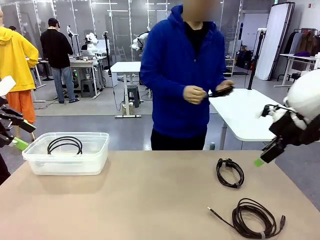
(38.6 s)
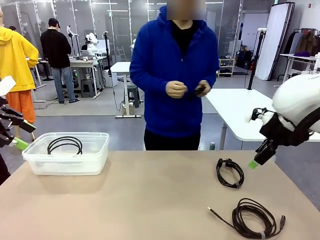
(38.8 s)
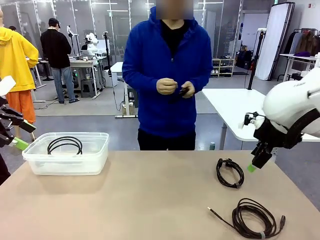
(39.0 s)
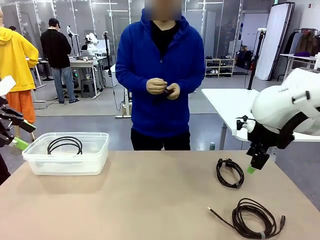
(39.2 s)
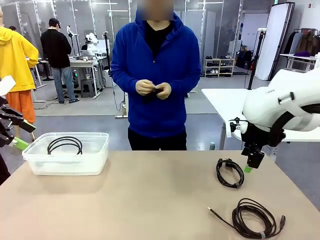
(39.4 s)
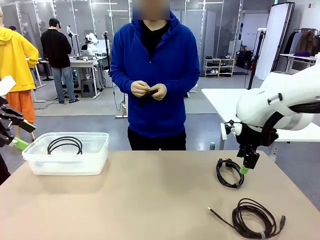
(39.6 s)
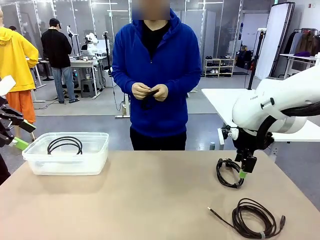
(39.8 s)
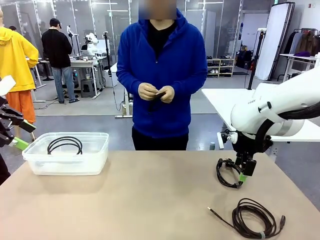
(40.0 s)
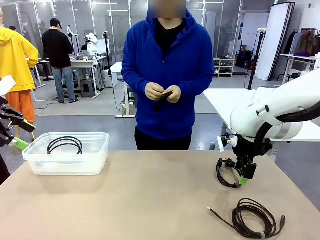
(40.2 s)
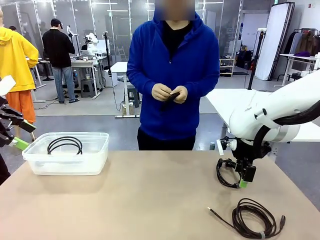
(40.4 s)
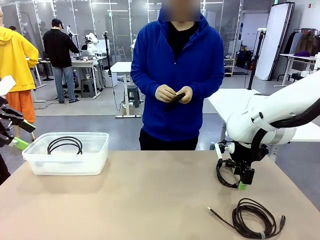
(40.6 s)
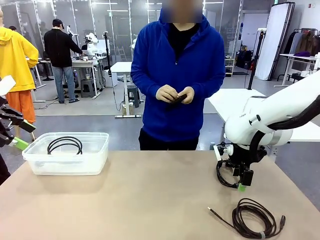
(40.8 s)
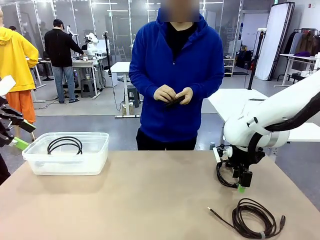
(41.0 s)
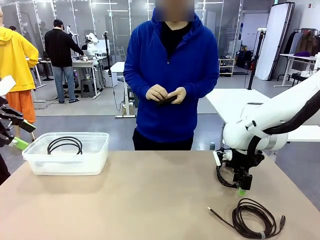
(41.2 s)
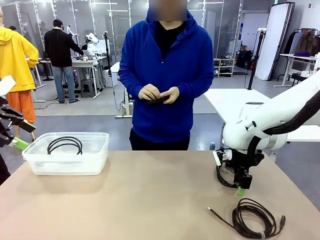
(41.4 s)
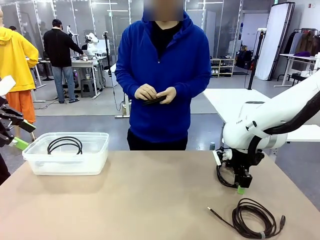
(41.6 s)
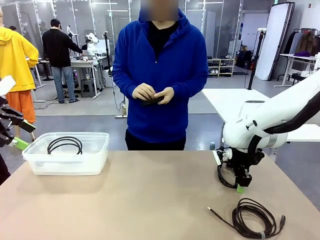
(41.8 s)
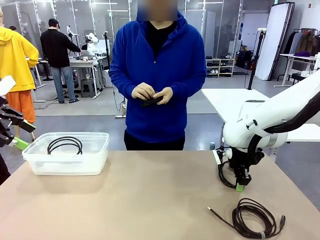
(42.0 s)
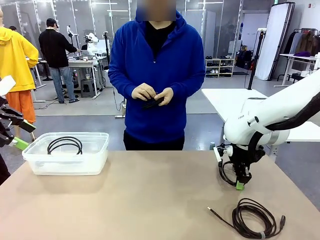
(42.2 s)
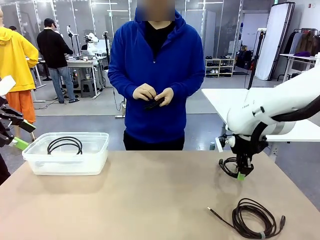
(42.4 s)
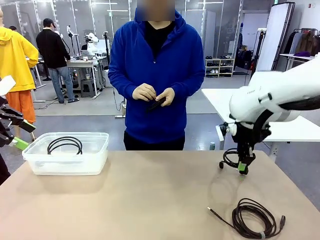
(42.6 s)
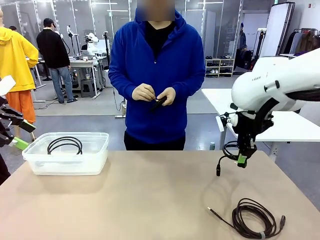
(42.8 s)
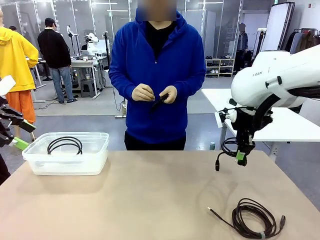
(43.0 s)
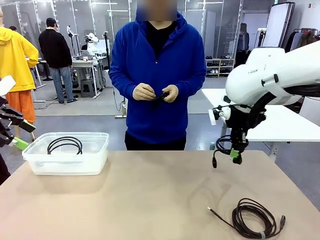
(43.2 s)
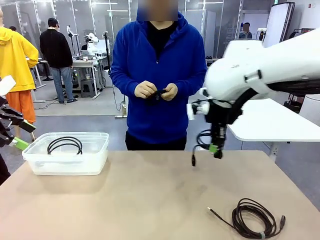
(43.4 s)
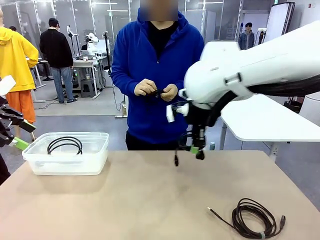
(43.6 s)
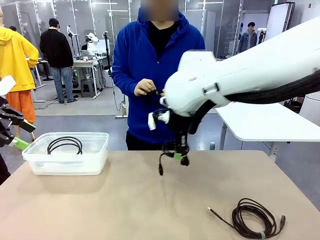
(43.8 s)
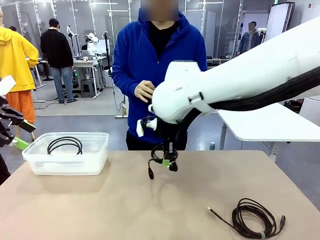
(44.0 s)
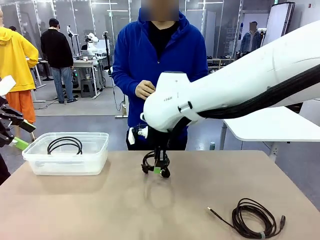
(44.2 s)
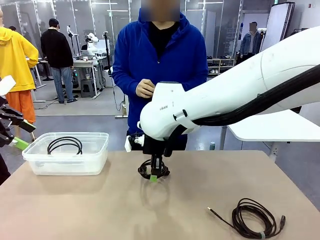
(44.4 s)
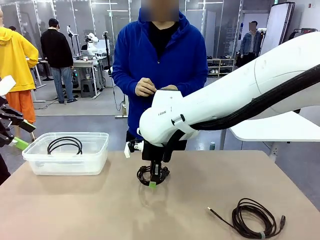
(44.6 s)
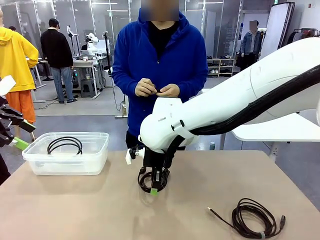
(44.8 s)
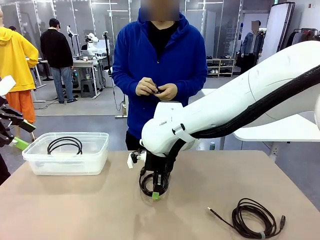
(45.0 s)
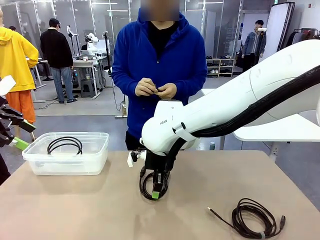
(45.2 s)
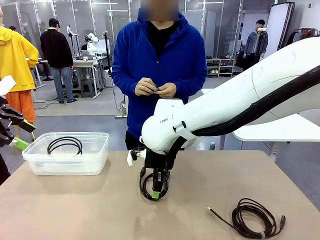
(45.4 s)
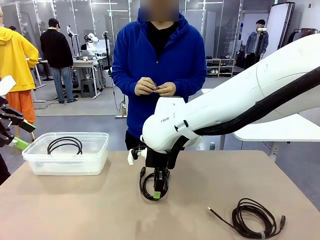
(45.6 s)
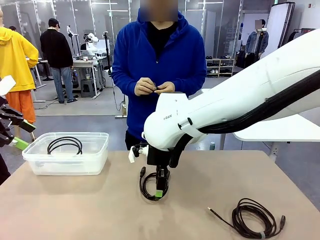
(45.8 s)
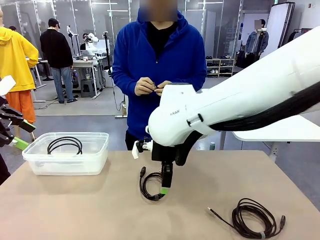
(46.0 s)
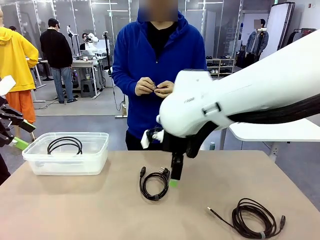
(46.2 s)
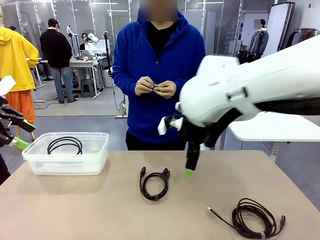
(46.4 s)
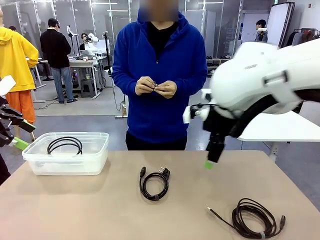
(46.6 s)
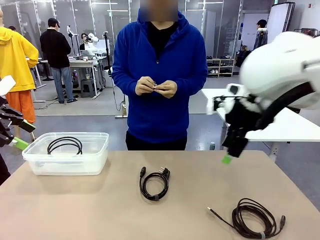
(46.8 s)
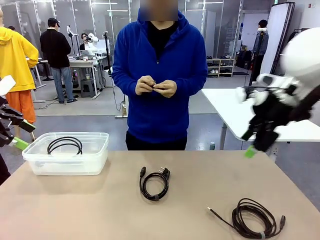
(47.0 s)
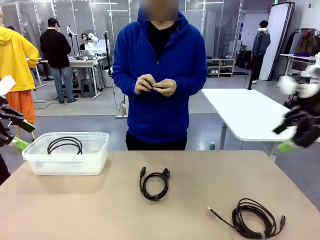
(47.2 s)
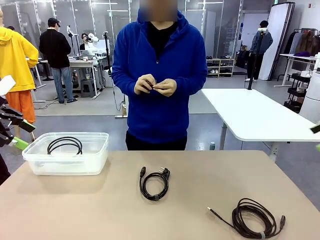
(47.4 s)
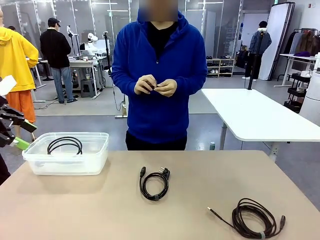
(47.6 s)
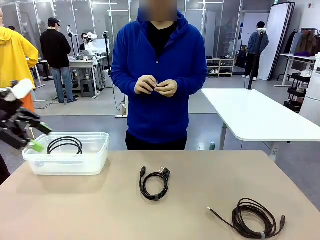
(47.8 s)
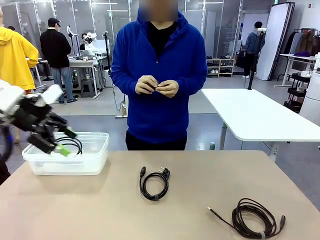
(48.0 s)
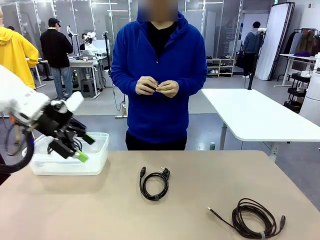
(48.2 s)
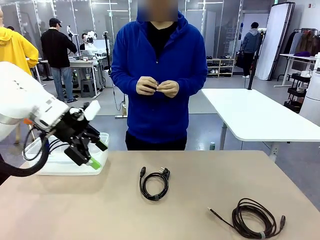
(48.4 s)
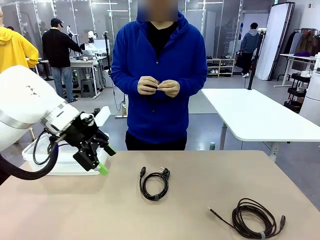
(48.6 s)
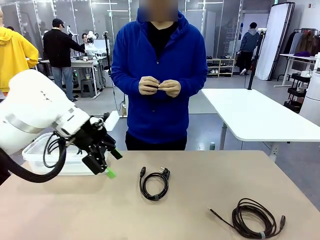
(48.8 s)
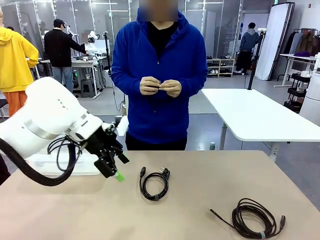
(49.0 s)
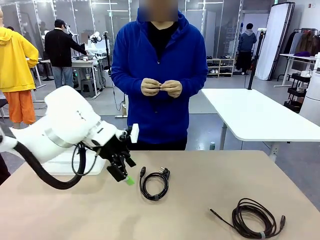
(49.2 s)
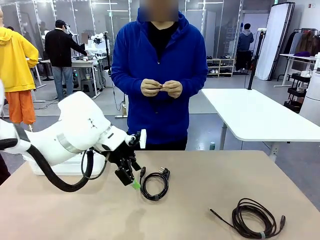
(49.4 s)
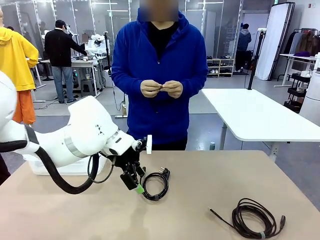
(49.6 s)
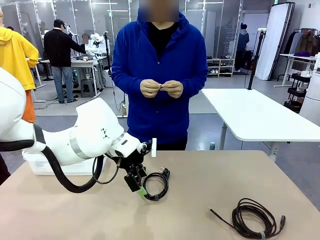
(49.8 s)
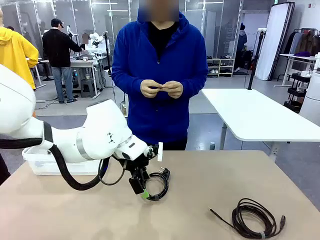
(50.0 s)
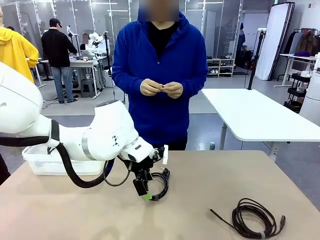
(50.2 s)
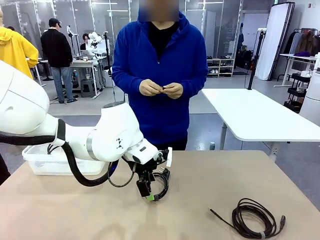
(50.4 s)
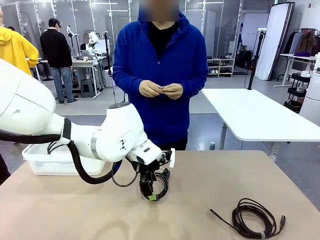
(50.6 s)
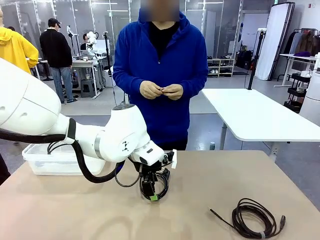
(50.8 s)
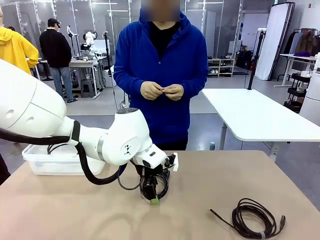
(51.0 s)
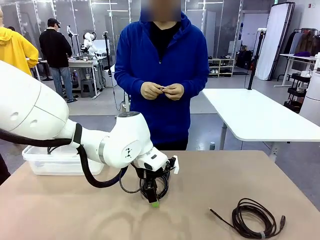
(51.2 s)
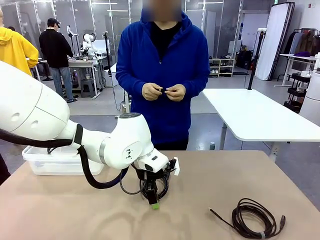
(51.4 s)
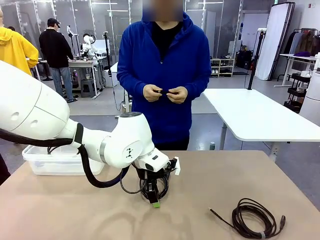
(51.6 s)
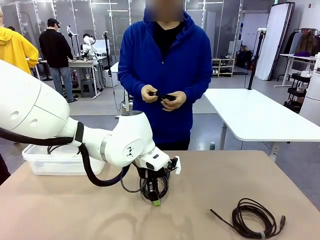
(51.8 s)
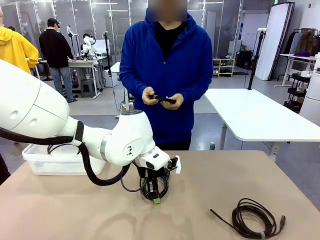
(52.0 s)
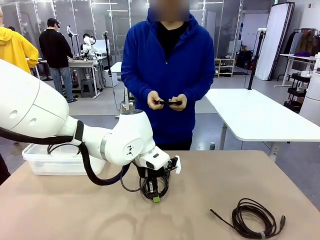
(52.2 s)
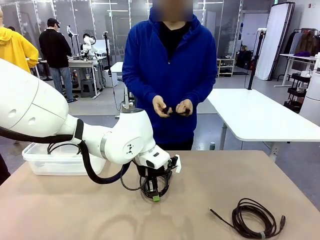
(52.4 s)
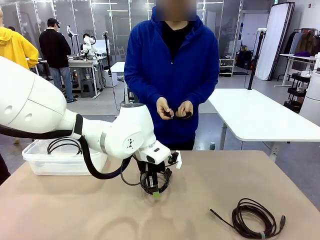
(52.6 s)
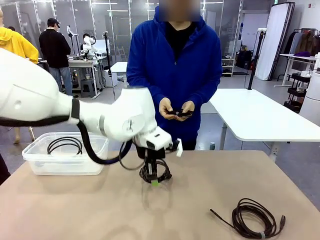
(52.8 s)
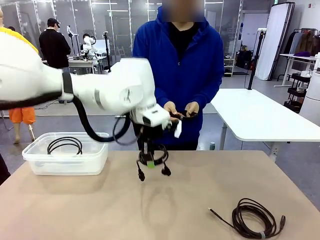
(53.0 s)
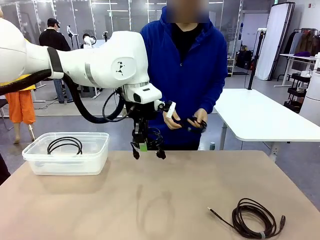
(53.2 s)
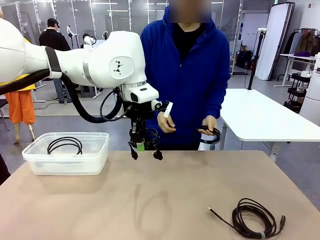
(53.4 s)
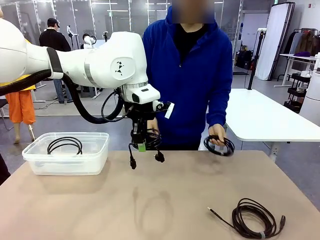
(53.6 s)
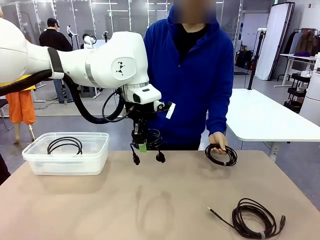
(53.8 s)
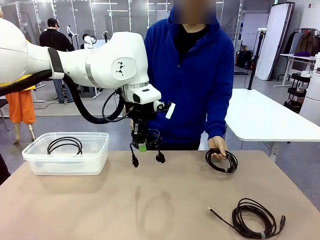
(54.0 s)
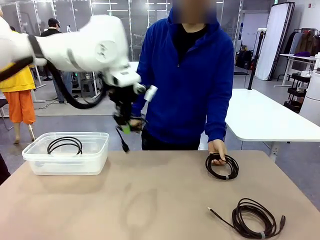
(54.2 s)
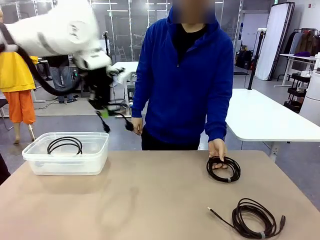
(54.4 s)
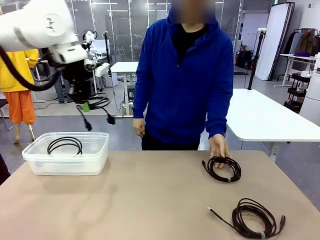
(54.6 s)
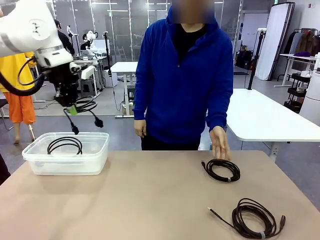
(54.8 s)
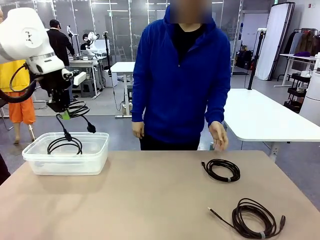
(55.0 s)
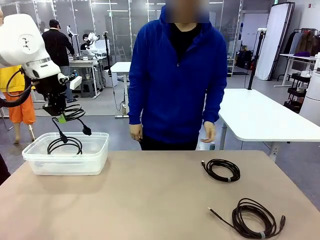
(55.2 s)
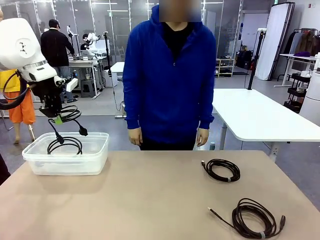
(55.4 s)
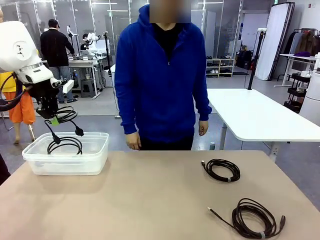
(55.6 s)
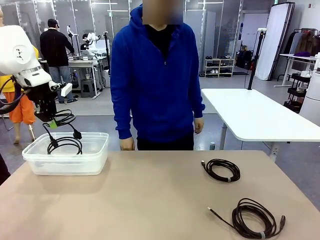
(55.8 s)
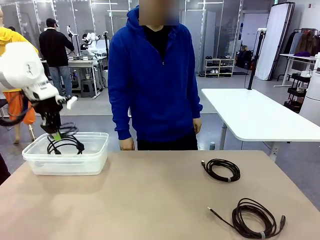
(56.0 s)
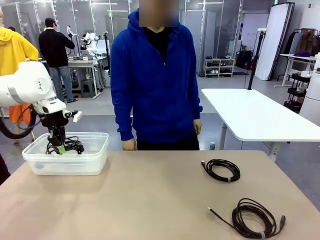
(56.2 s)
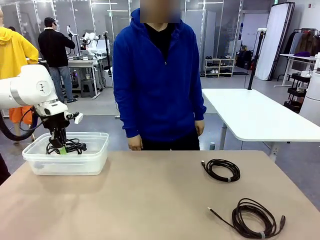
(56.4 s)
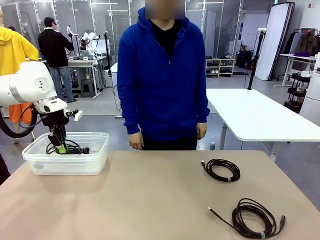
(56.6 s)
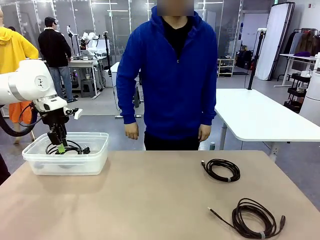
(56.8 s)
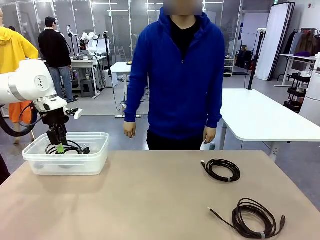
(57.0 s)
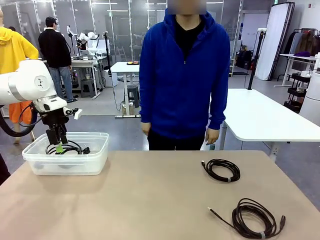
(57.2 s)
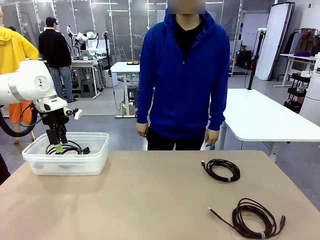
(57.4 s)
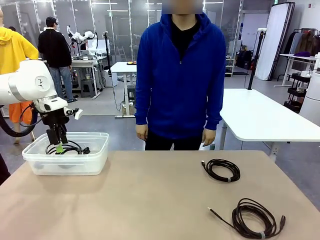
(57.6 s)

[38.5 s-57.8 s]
Task: Organize and store the cables.
Robot: Place the Power Cable into the Organizing box.
